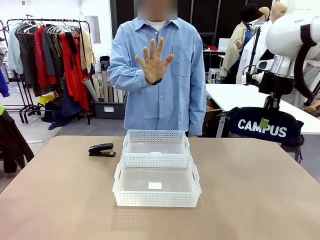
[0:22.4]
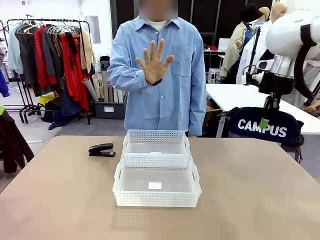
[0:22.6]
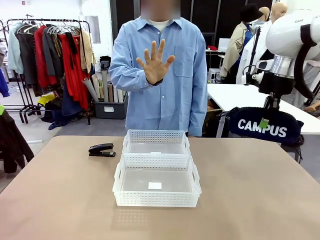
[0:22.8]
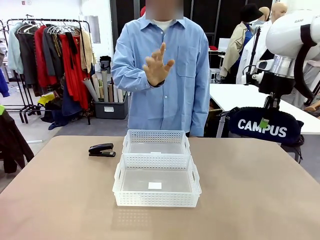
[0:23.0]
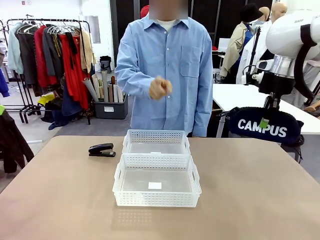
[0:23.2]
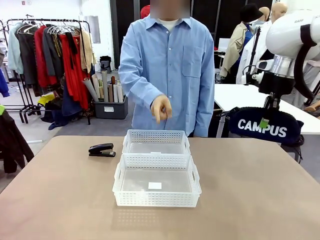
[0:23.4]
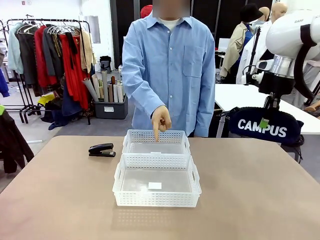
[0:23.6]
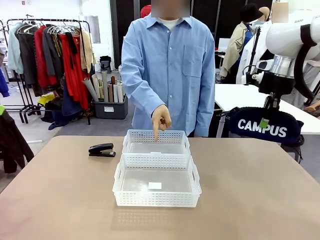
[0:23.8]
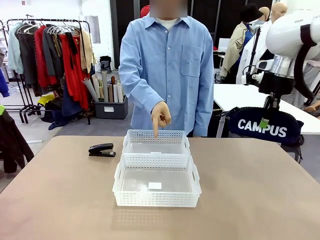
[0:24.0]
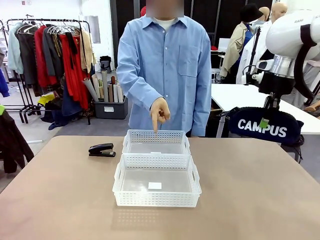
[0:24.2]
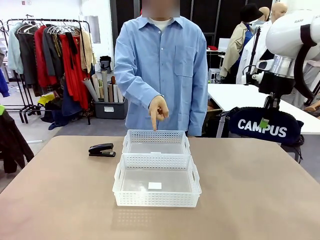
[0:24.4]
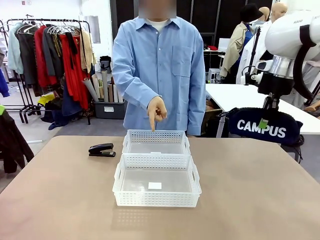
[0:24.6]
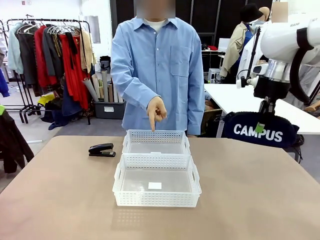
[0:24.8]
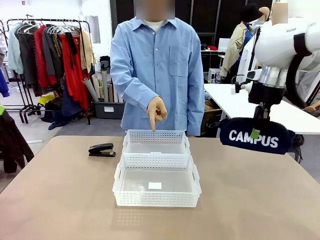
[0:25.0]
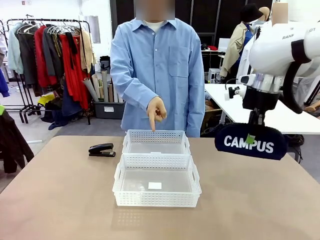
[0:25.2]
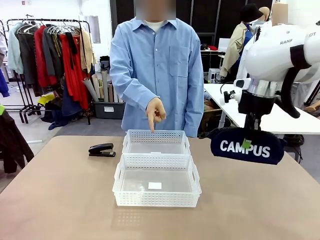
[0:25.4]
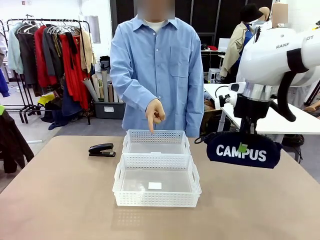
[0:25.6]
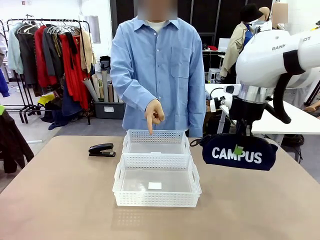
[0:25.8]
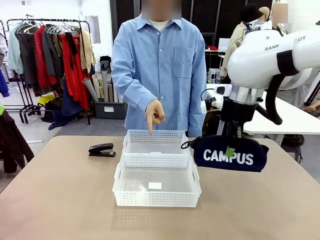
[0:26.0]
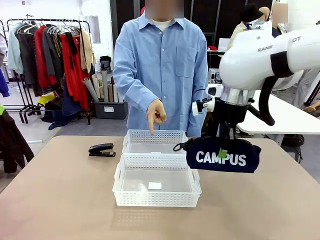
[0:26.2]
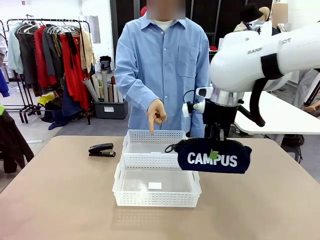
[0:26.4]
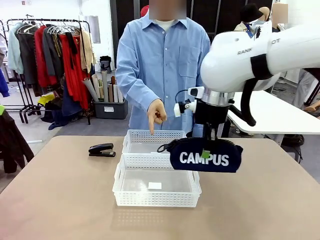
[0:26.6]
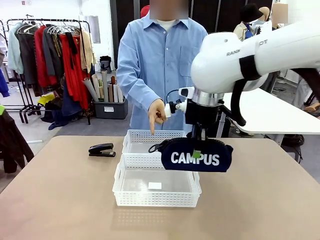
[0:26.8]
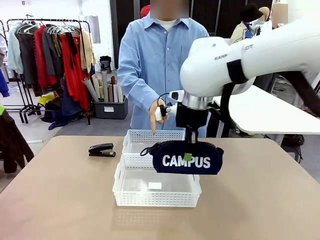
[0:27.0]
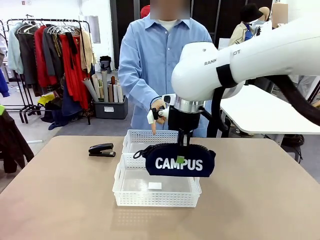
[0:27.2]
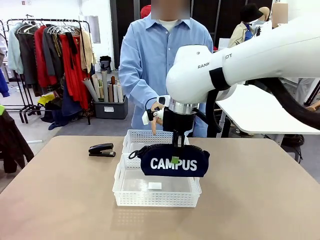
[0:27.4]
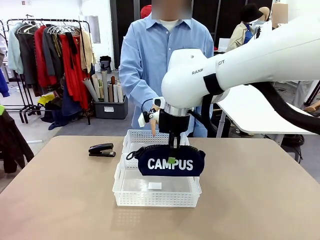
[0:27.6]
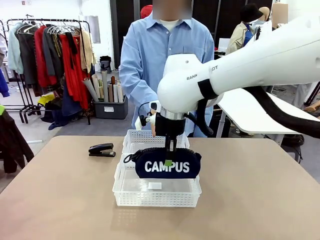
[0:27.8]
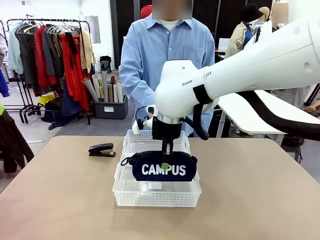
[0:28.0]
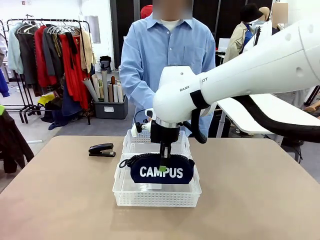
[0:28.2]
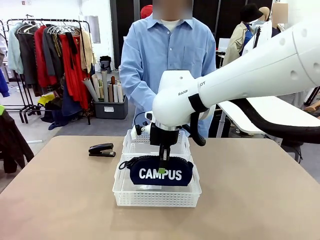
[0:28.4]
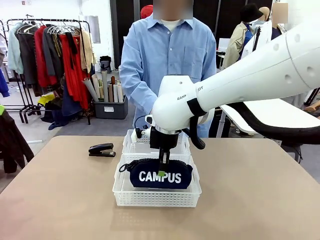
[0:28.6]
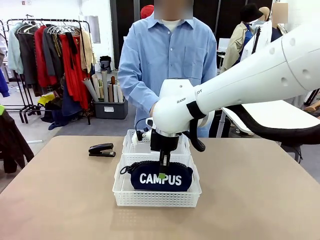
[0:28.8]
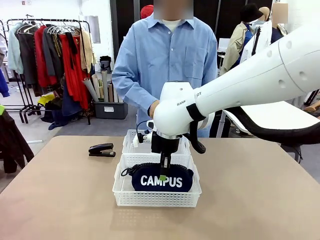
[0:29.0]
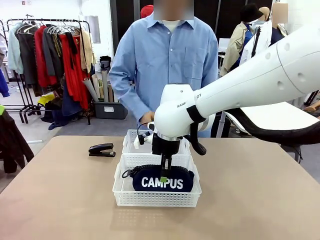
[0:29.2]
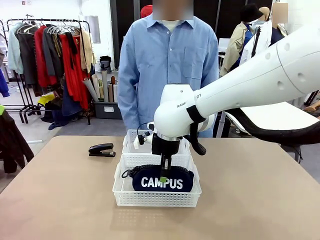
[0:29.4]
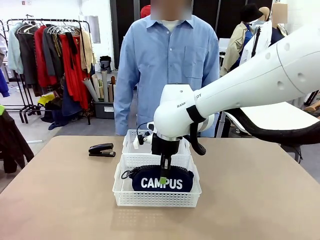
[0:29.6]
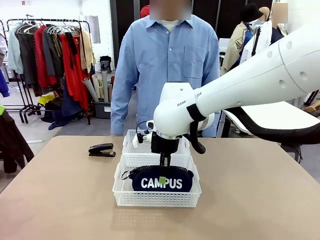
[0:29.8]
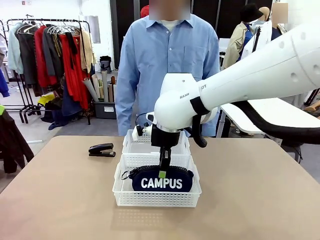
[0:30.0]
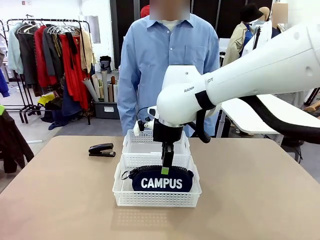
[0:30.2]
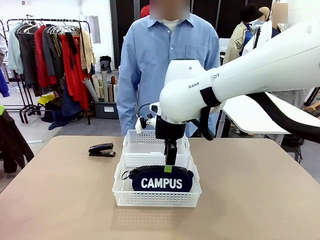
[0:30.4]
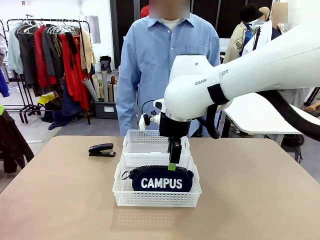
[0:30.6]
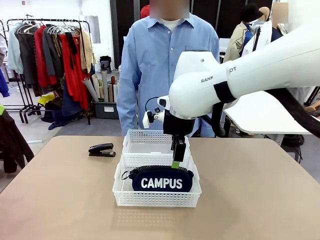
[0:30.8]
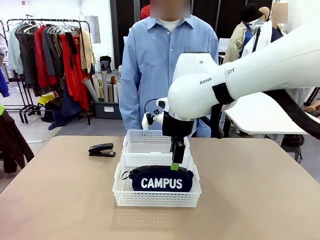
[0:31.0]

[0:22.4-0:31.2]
Task: Distribute items into two baskets.
Robot: Place the picked Pencil pouch into the Organizing basket as instructed by the person.
Person: Instructs the robot to place the pencil case into the opposite basket. Points to the stapler.

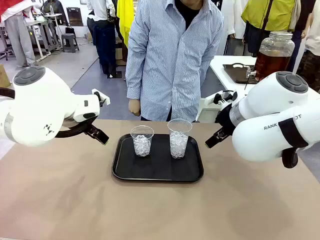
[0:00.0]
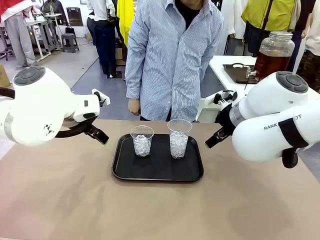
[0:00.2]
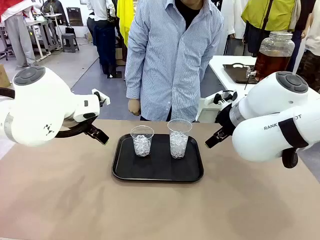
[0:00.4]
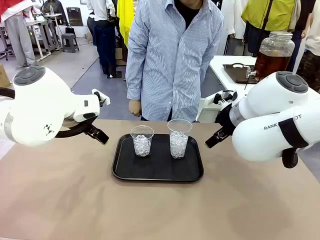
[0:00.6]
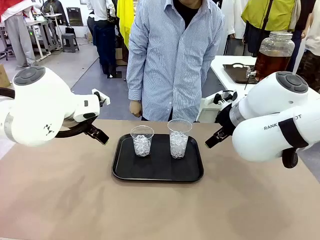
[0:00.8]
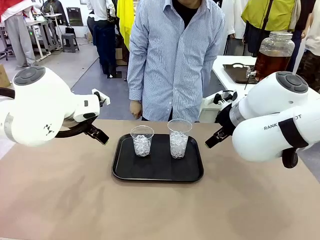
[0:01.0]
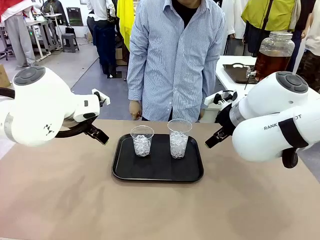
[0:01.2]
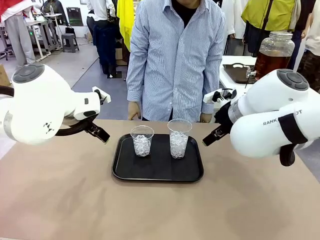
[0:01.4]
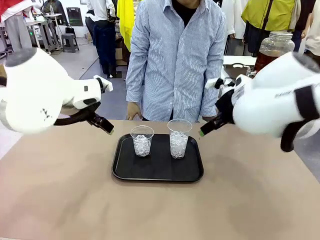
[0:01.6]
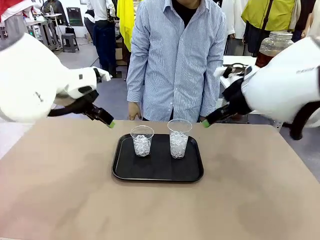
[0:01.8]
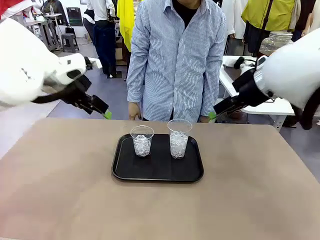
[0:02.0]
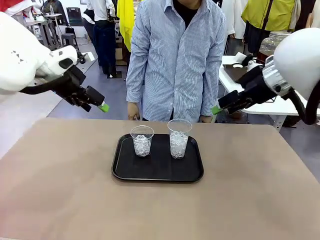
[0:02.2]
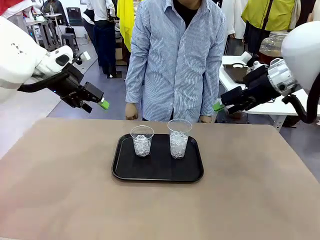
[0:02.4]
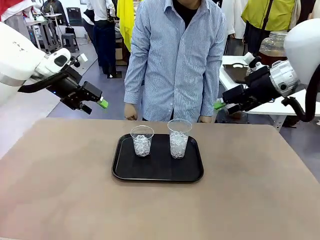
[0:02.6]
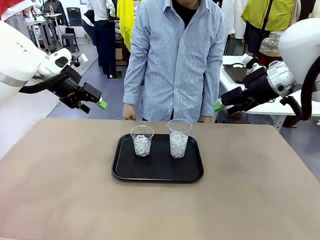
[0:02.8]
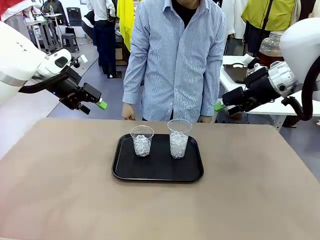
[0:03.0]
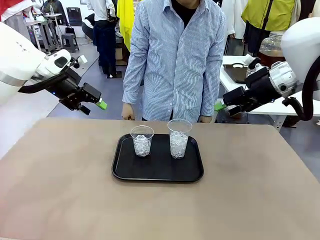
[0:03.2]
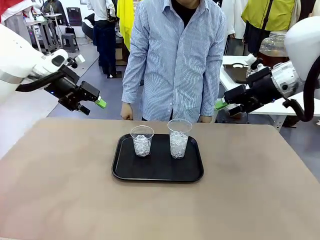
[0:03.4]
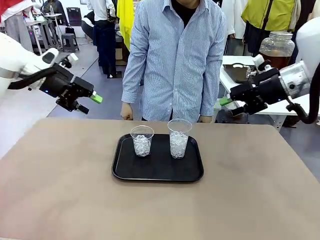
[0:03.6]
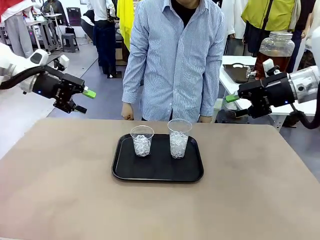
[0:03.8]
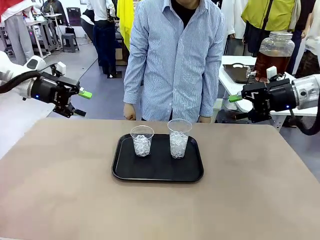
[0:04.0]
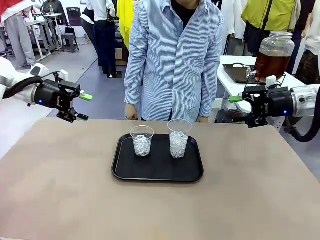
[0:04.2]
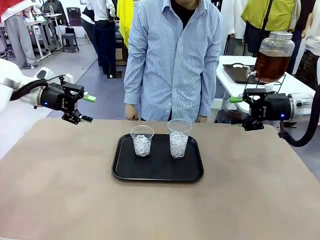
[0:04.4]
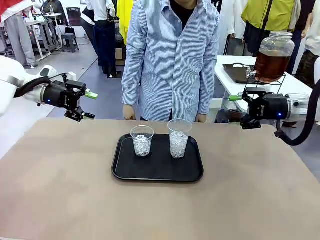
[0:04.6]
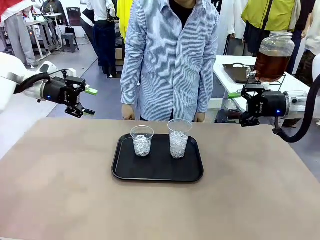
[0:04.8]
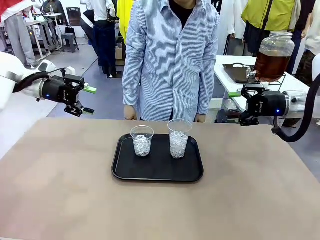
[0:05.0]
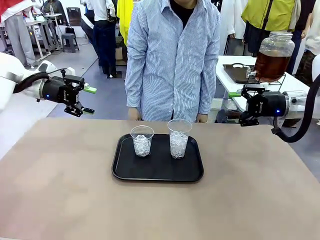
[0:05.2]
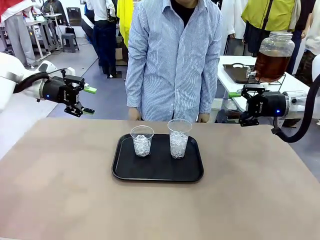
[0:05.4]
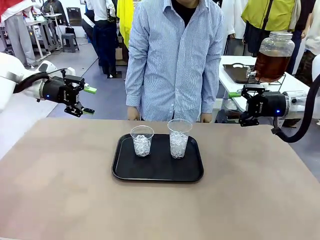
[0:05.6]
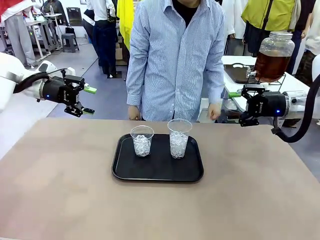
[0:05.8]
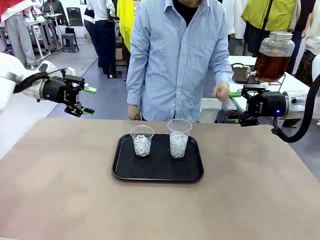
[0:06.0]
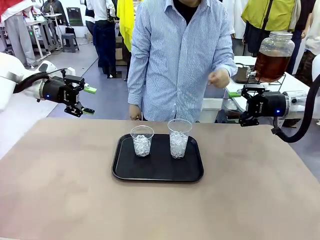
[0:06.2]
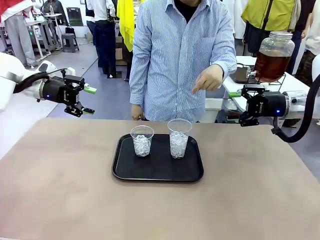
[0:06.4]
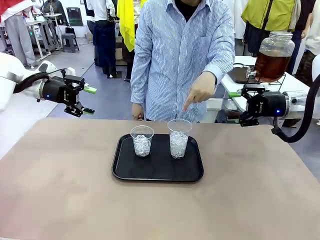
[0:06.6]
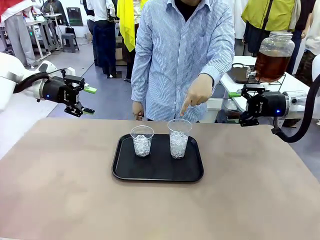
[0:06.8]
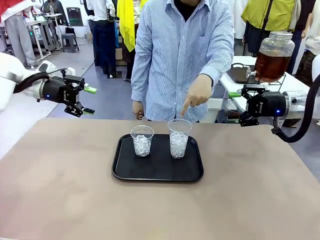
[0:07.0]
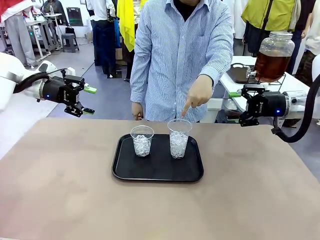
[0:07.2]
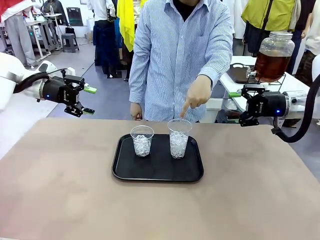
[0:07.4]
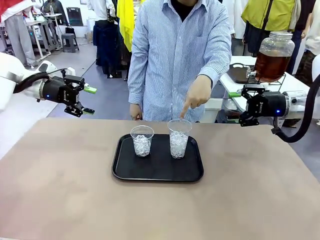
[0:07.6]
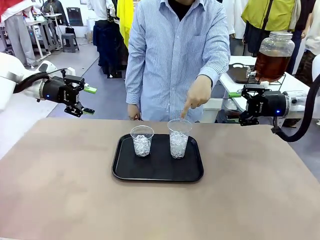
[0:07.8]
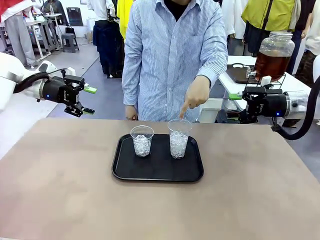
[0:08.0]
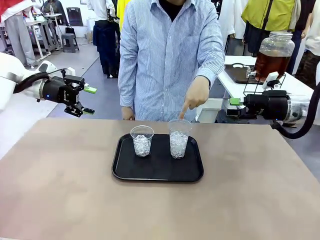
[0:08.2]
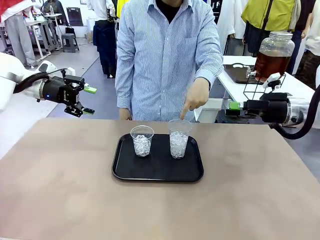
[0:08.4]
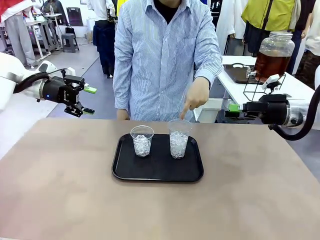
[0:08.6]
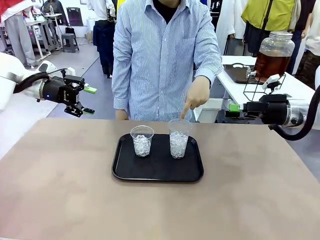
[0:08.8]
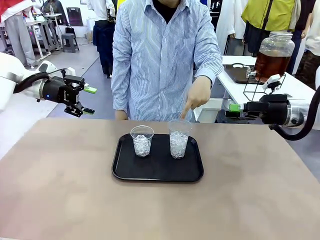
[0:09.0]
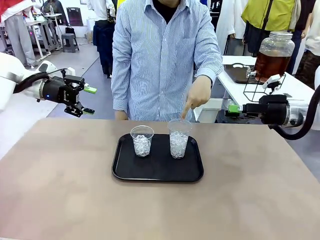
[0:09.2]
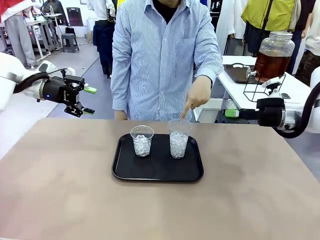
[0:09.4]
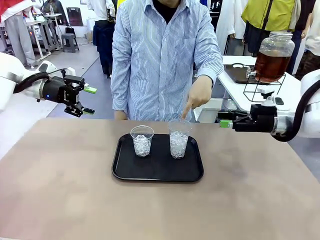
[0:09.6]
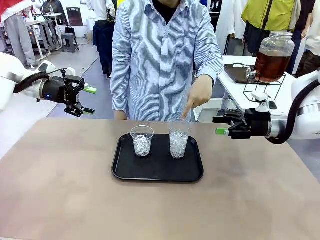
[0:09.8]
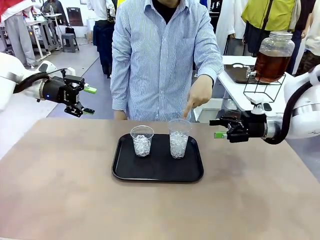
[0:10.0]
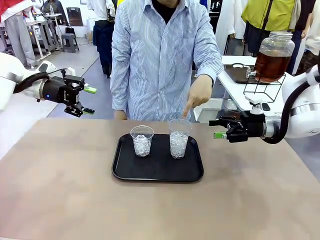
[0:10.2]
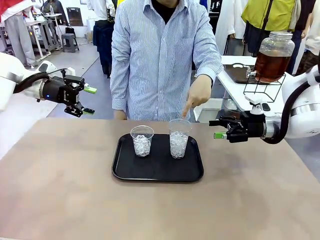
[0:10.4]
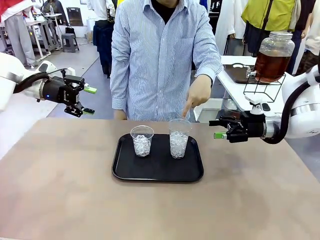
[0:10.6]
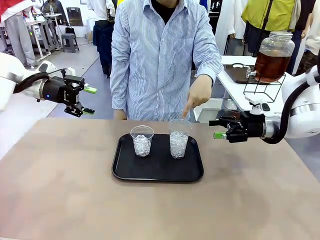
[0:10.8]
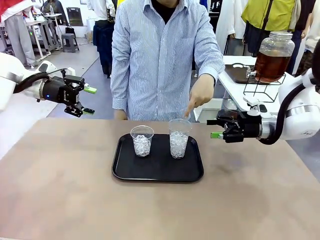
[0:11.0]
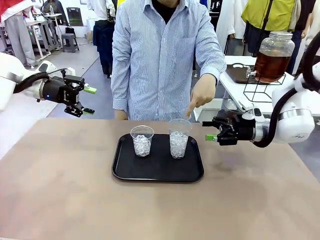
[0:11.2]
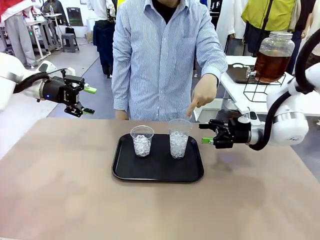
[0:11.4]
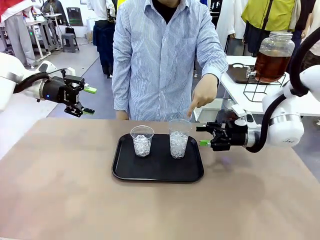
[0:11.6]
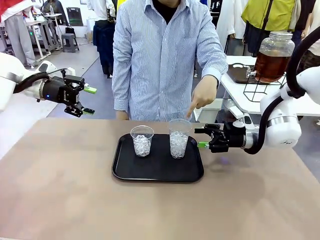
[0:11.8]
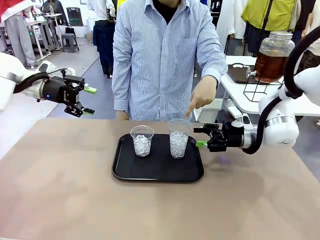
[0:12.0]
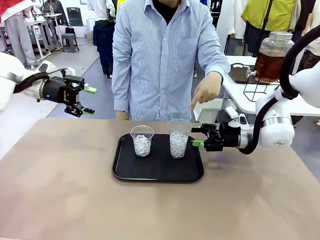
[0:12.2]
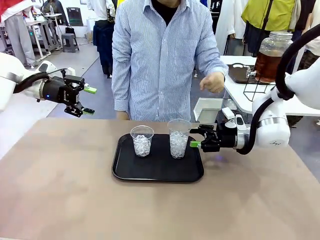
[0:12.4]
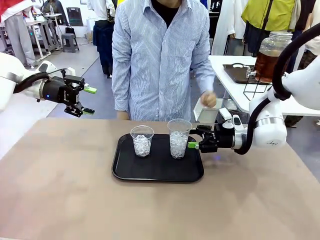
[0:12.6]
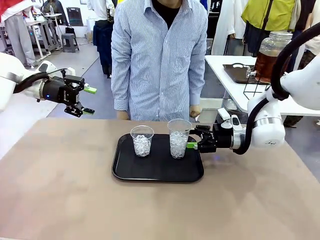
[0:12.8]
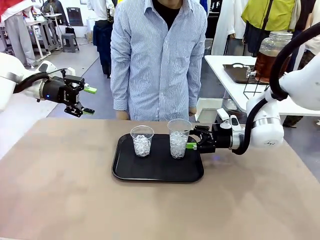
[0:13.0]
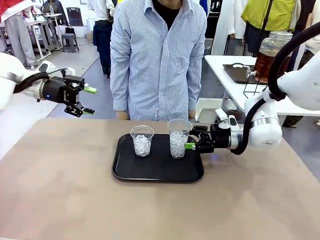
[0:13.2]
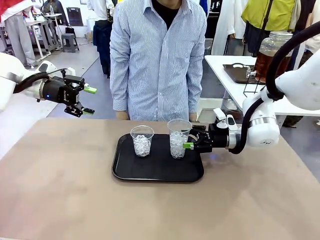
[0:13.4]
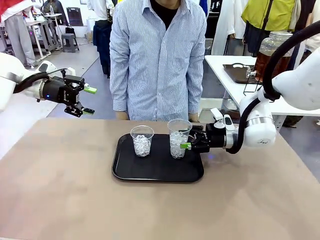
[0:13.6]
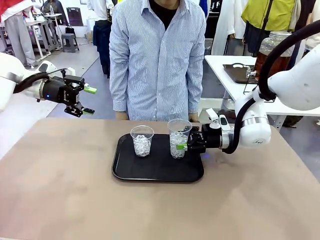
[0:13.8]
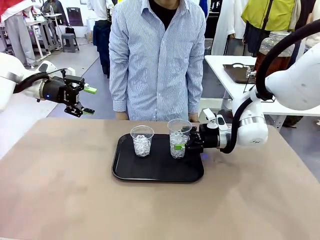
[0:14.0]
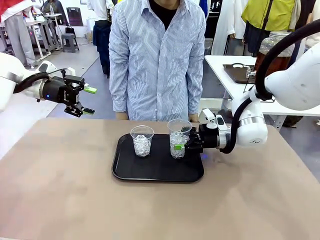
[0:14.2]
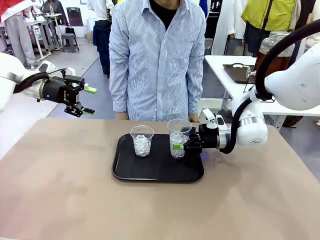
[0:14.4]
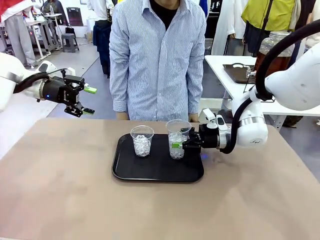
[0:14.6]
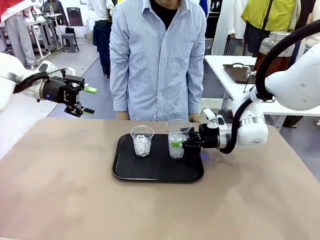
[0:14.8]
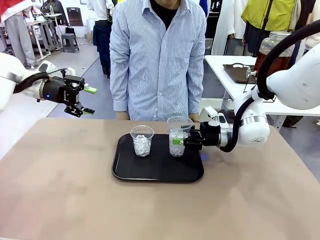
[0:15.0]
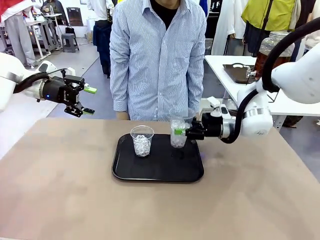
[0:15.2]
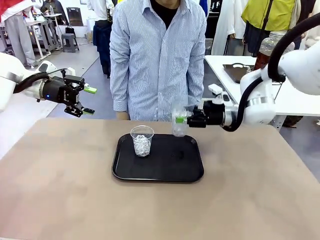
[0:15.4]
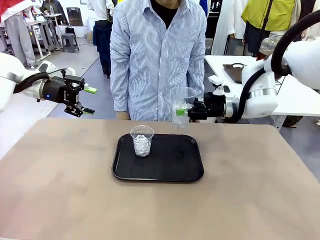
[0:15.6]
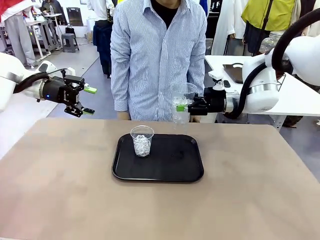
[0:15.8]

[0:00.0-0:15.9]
Task: Pour the drink into the iced cup.
Robot: Pick up the iced cup indicated by the human and present it to them.
Person: Point to one of the two ice cups. Pick up the cup offered by the robot.
